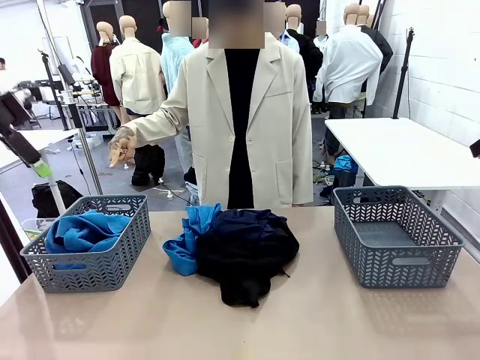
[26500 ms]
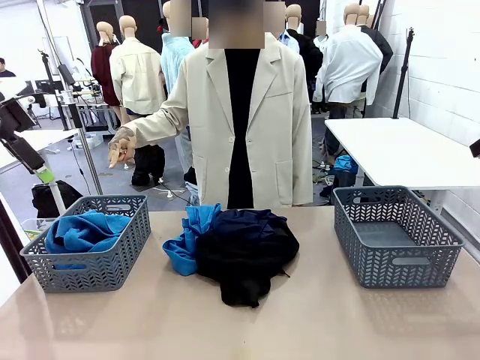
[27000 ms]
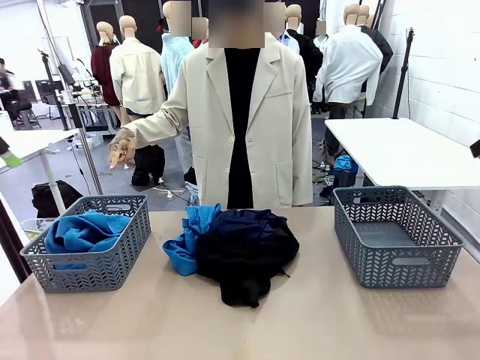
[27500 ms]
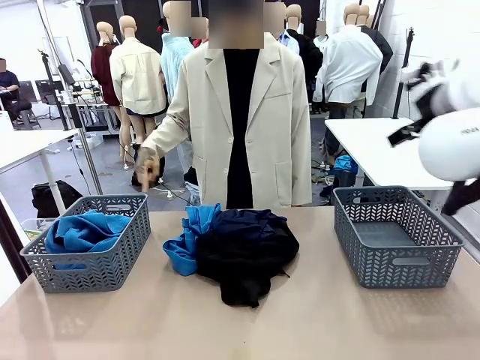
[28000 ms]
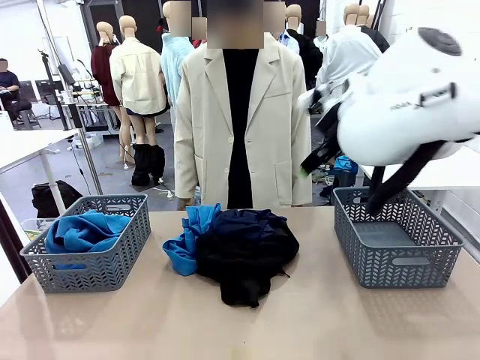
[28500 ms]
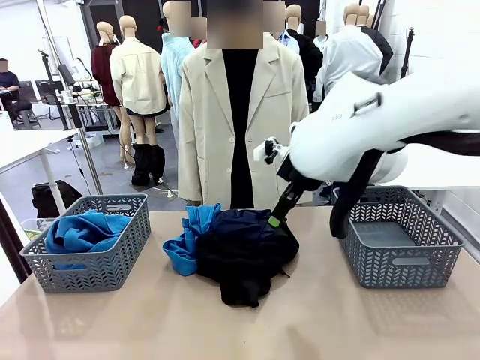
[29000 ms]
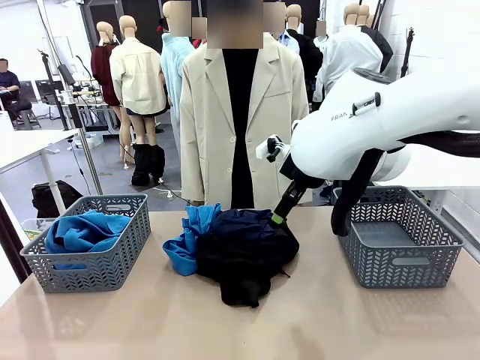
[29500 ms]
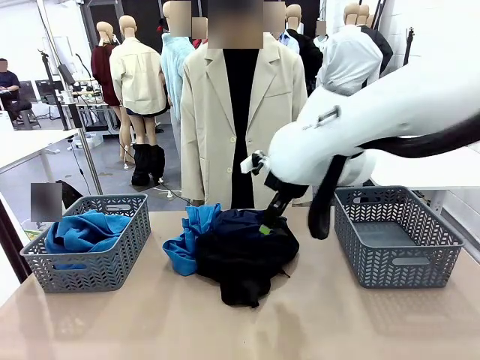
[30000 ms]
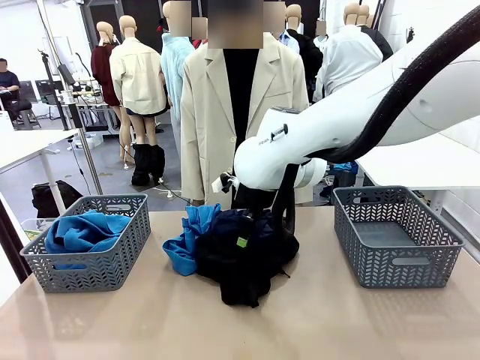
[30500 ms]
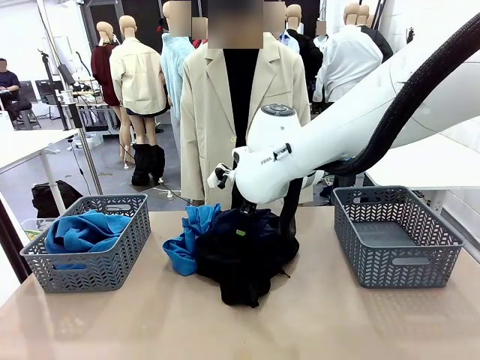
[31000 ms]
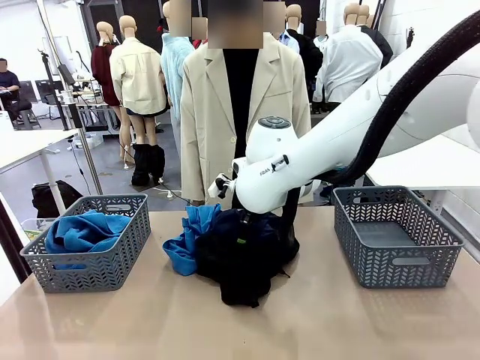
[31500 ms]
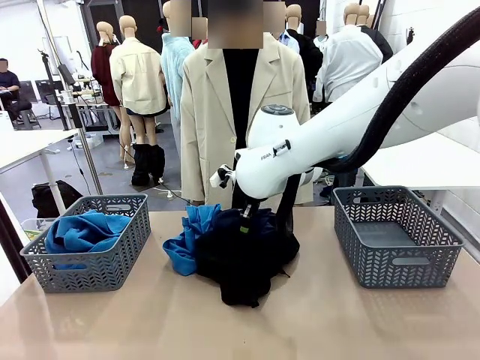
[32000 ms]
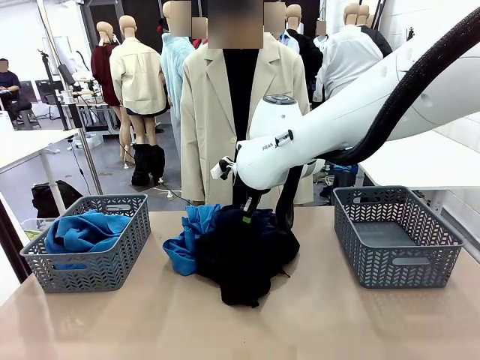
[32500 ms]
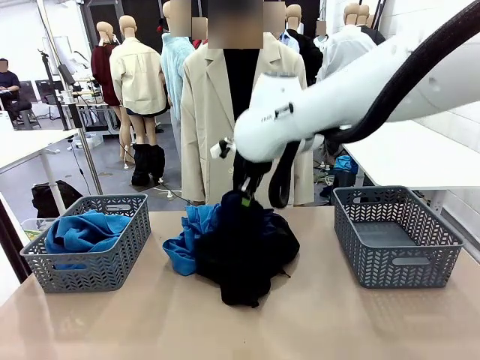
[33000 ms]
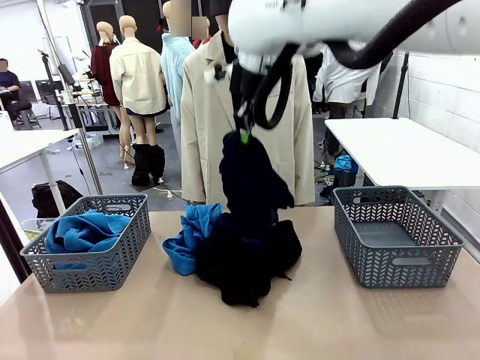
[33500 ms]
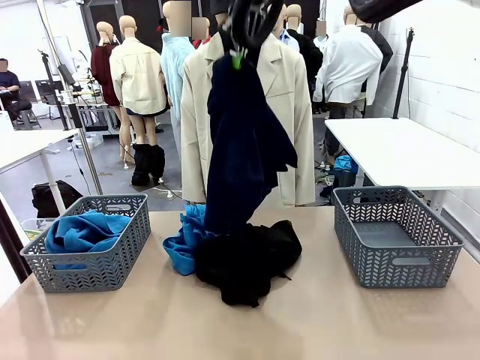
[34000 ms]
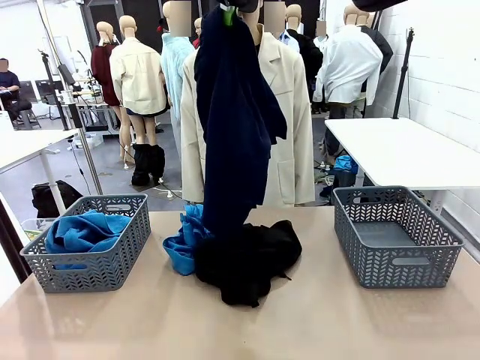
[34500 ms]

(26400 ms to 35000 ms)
Task: Sort the tops and bottoms.
Robot: Lift clothes from the center of the table with your right hand.

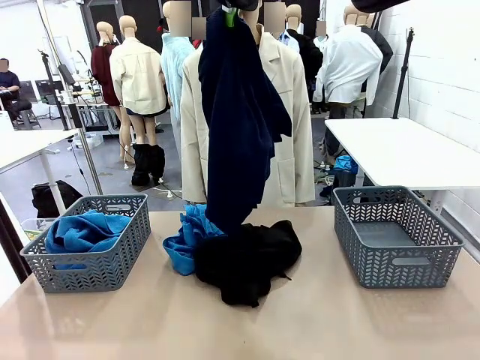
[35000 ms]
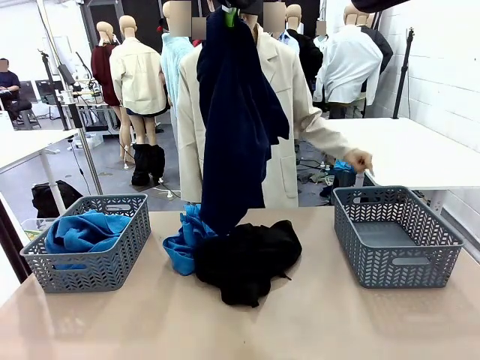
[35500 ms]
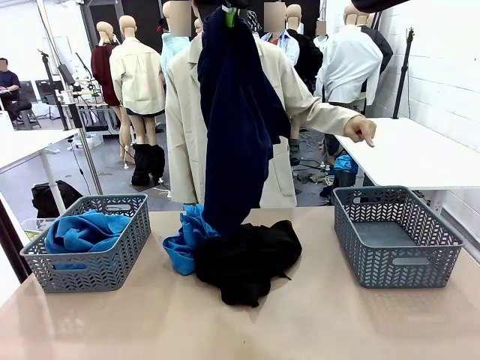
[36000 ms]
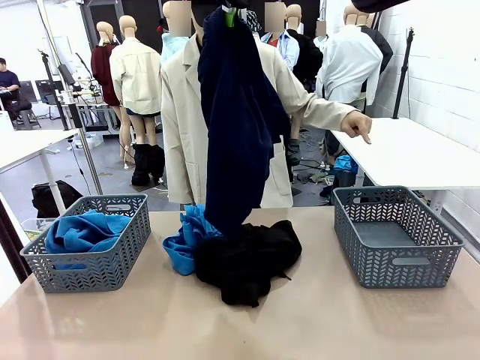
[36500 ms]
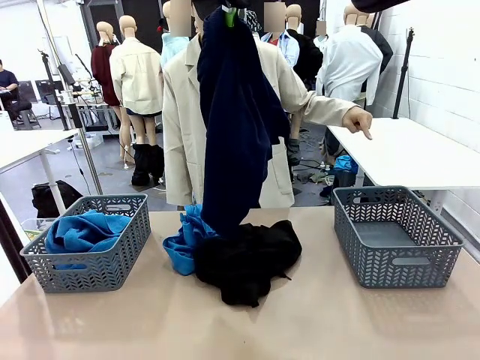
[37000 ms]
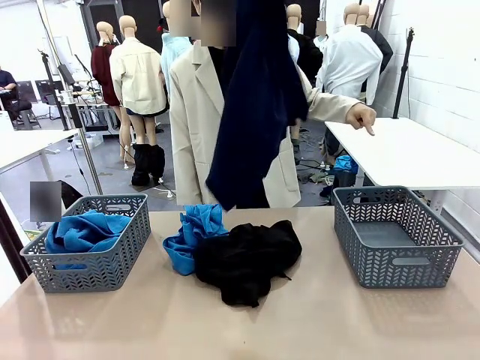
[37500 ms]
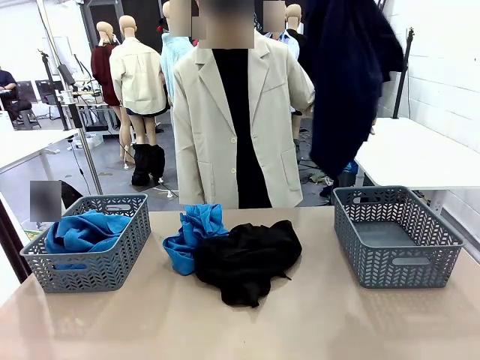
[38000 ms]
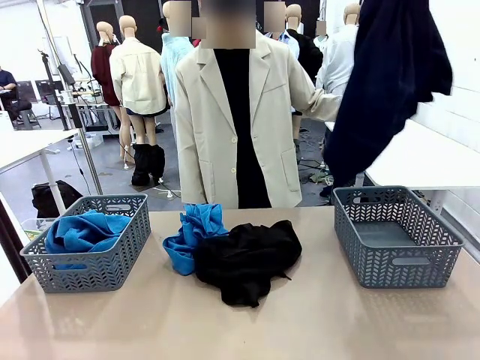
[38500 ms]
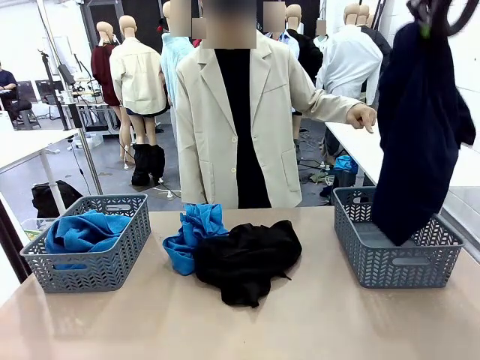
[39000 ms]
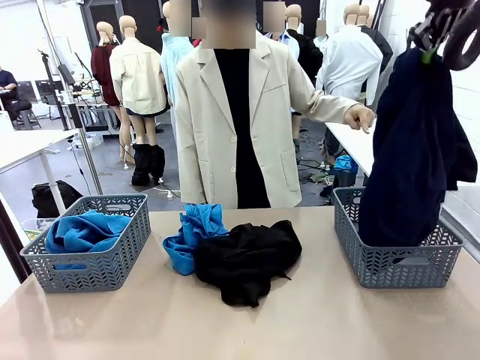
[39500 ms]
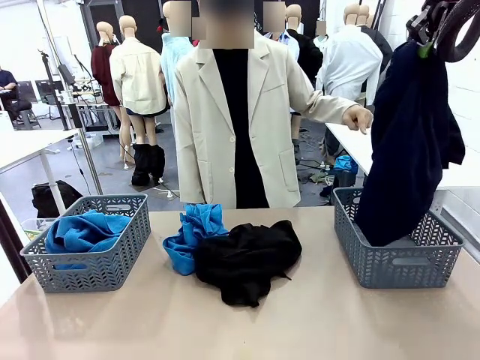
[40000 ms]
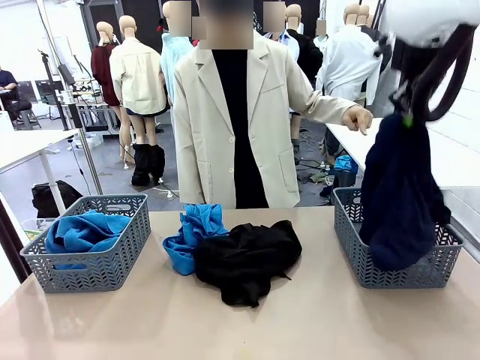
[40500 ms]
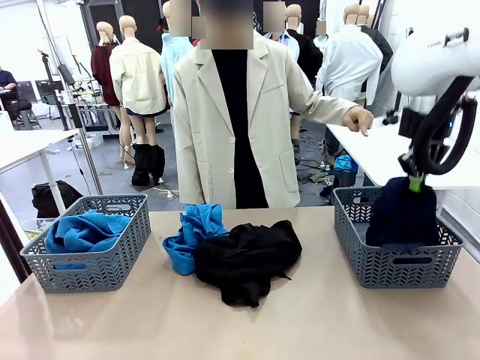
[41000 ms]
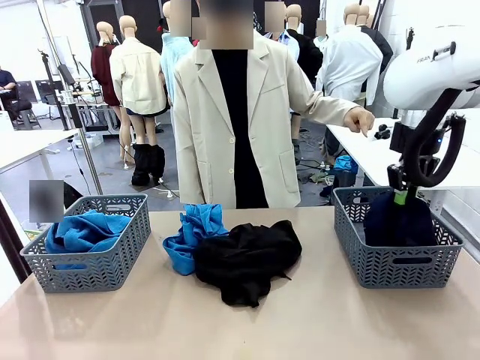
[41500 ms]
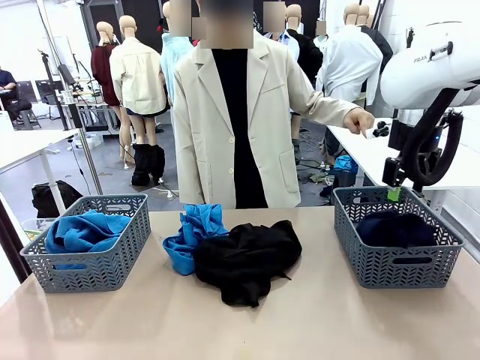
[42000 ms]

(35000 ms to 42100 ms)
Robot: Sort the clothes according to human instructions.

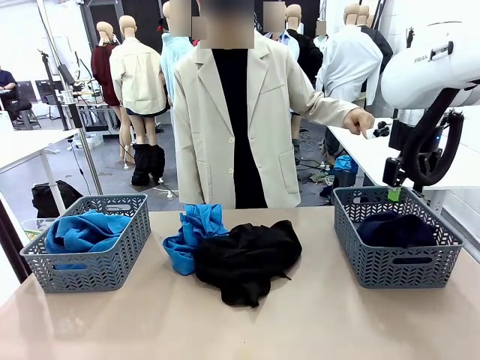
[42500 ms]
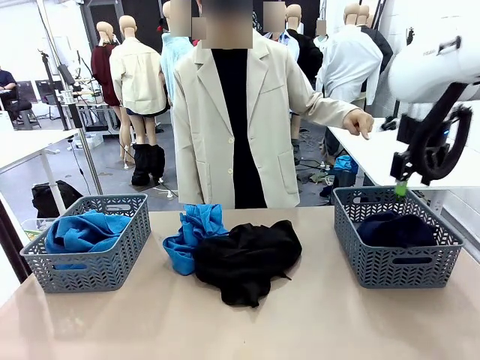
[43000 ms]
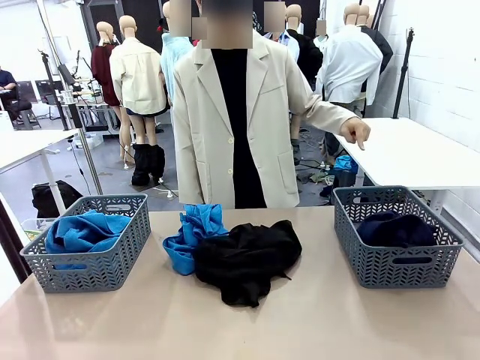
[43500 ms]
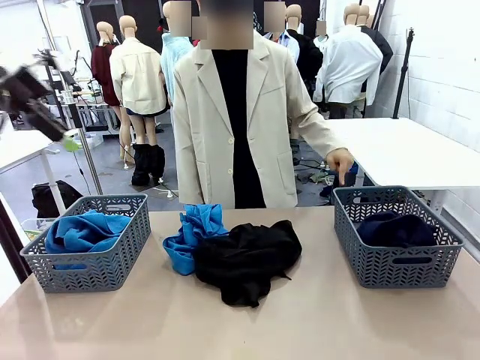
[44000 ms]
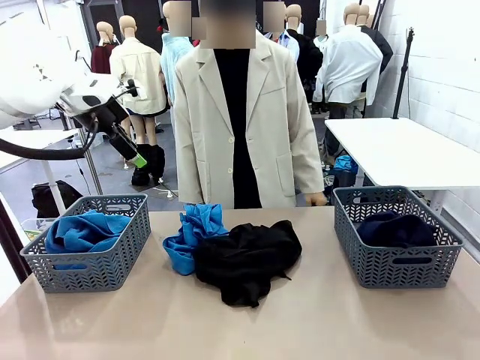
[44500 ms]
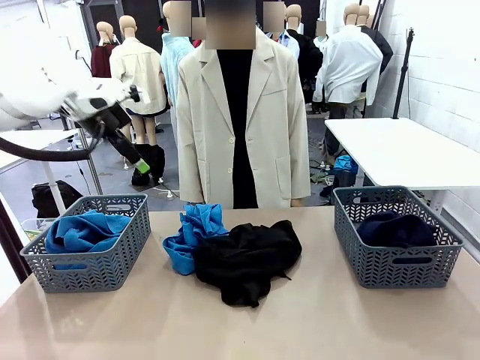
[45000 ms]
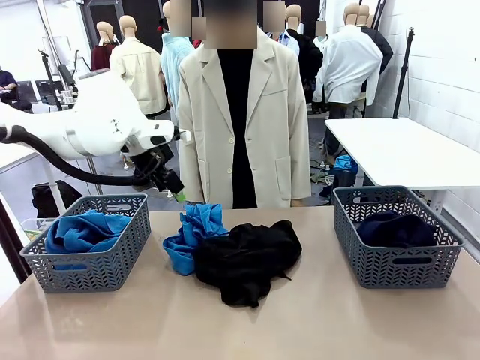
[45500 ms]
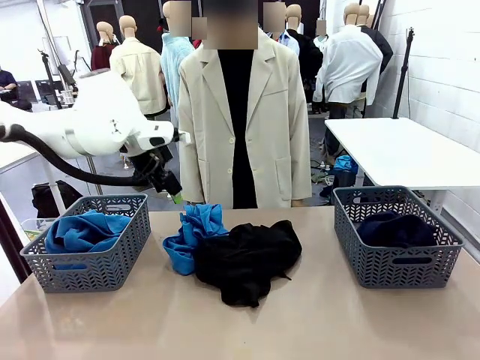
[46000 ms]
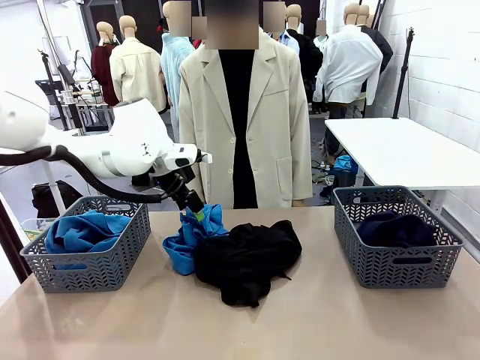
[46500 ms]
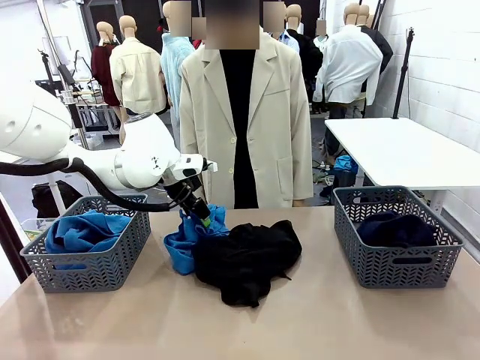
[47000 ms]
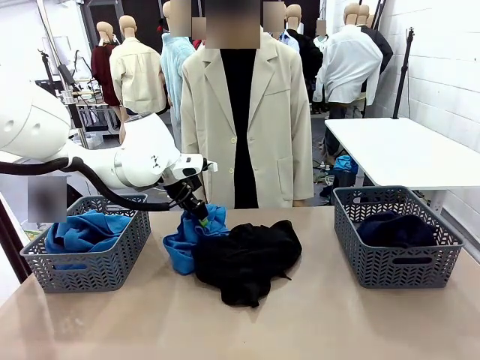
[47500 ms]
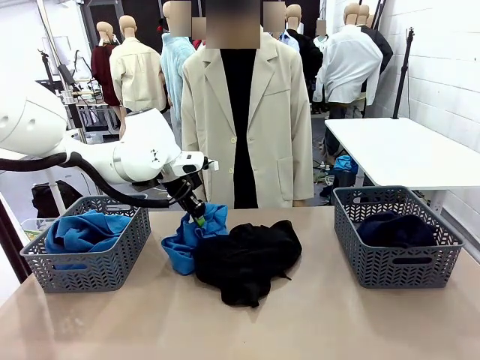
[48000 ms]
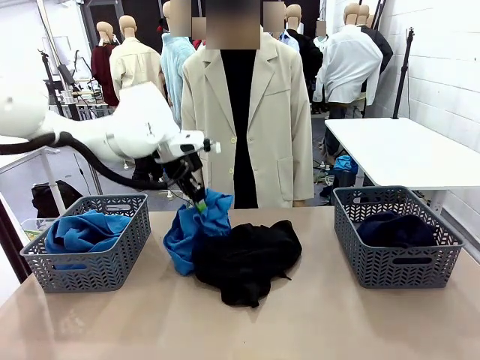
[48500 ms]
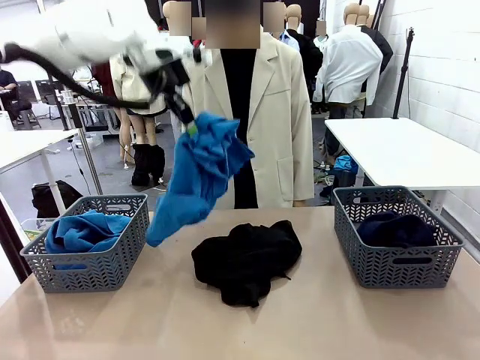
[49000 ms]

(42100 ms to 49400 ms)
Robot: Lift clothes from the center of the table with your left hand.

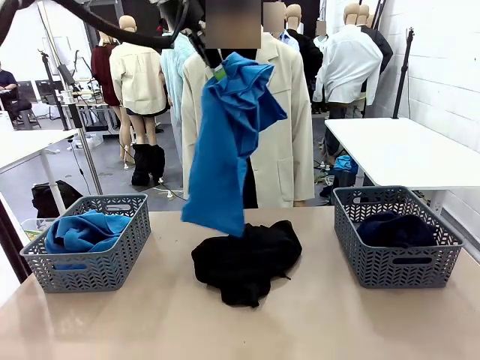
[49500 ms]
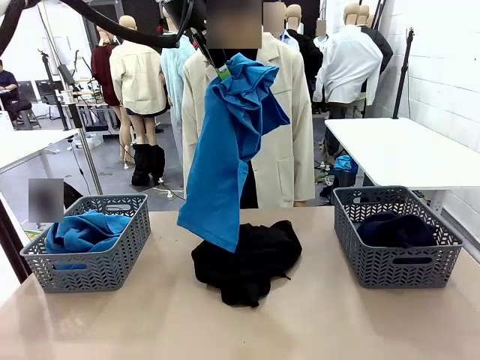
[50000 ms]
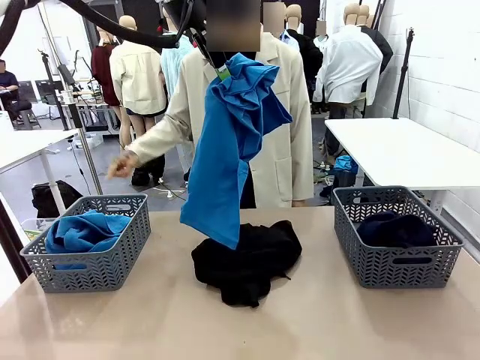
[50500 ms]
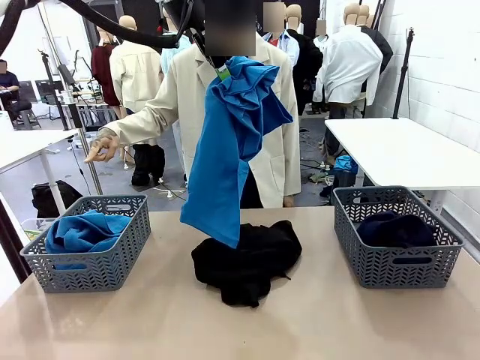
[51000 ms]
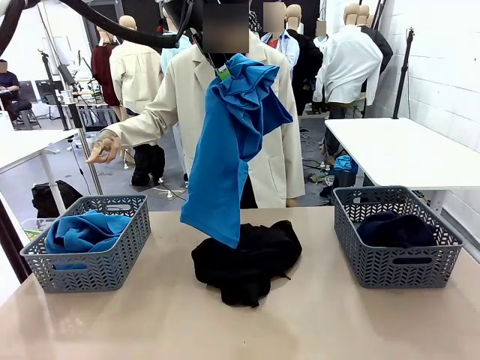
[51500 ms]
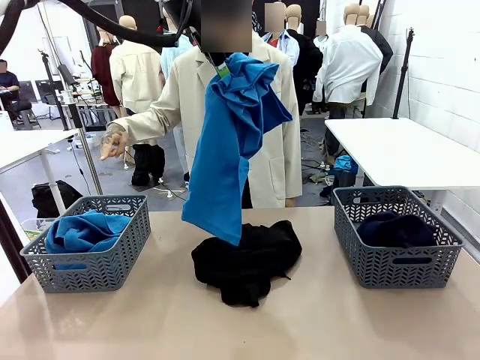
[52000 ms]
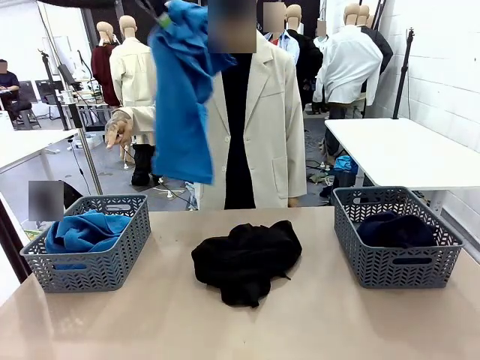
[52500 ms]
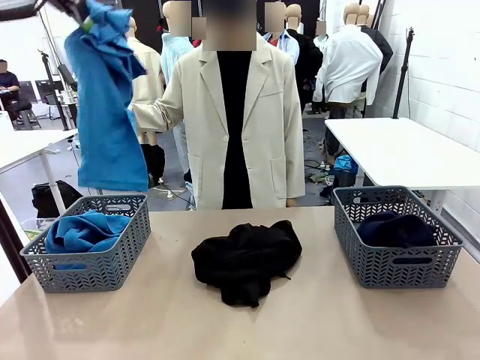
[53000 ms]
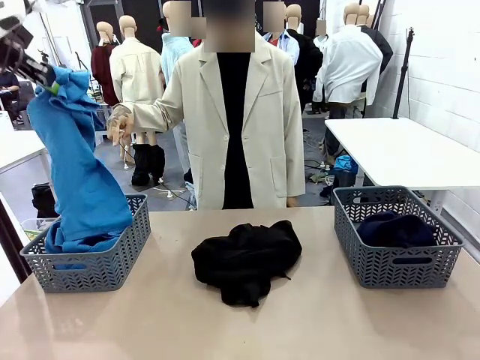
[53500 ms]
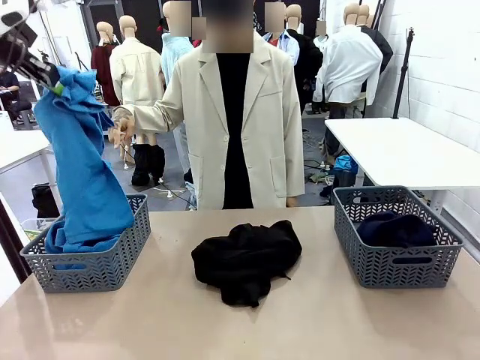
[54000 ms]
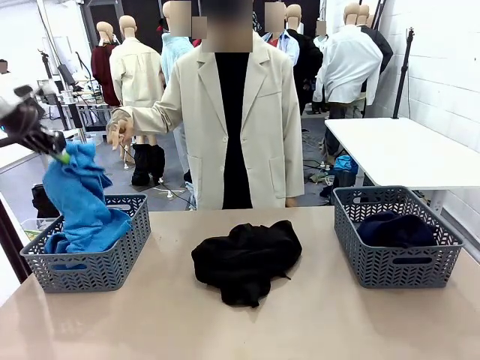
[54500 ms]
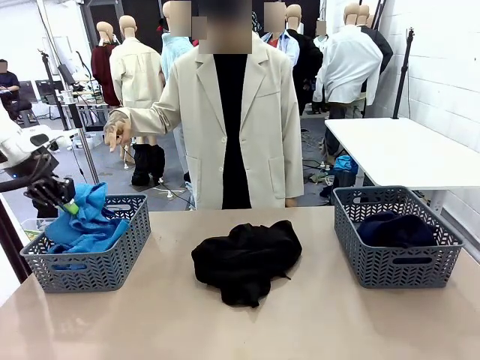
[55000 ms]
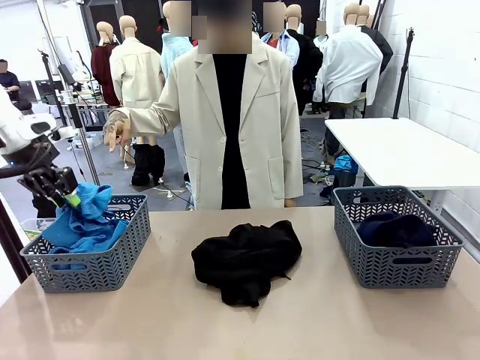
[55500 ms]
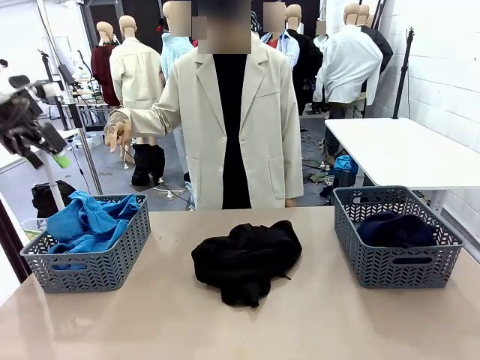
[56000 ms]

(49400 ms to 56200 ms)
Robot: Sort the clothes according to human instructions.
